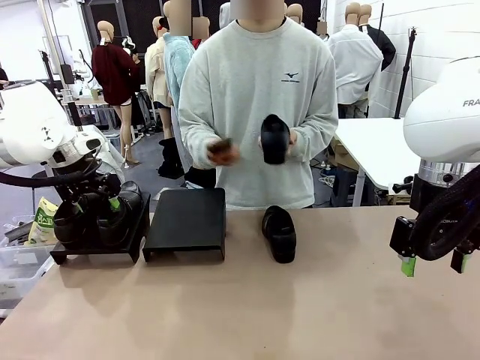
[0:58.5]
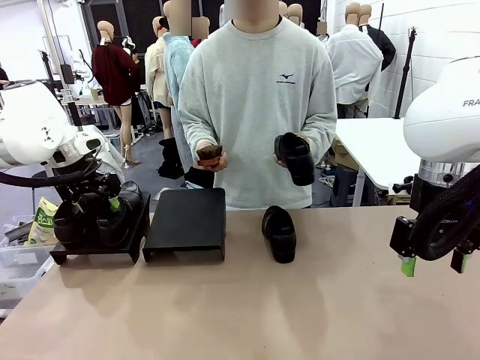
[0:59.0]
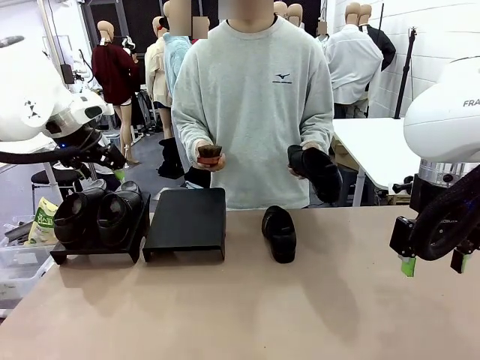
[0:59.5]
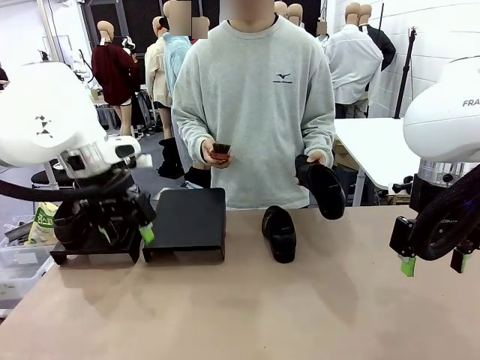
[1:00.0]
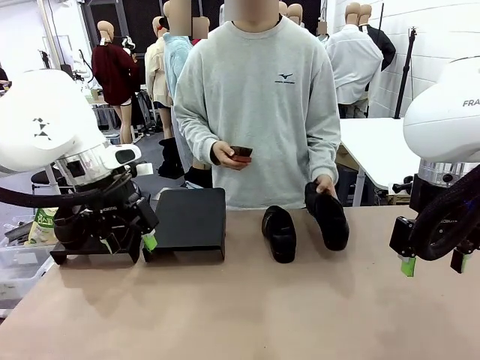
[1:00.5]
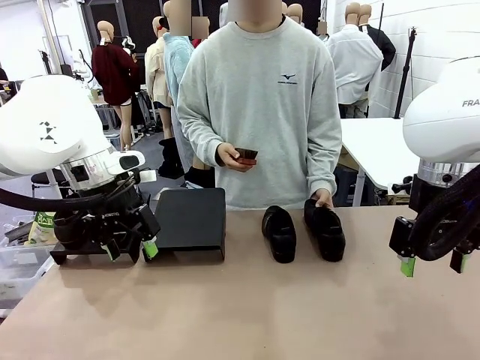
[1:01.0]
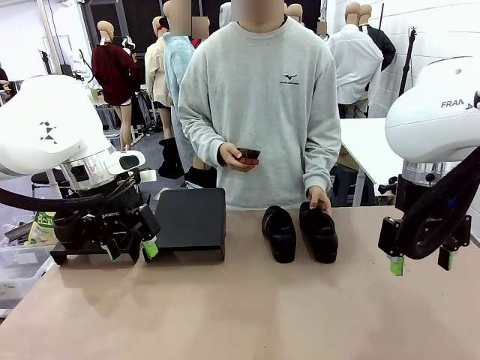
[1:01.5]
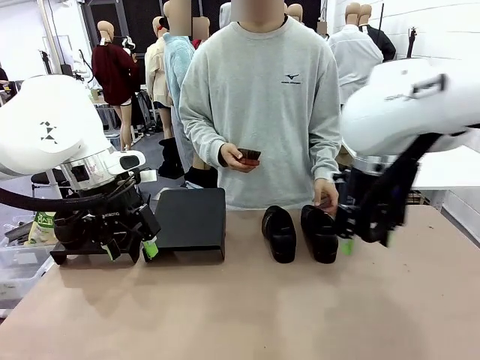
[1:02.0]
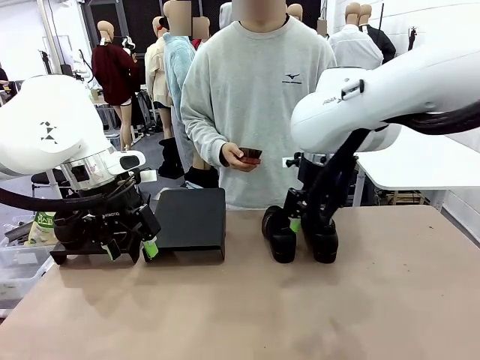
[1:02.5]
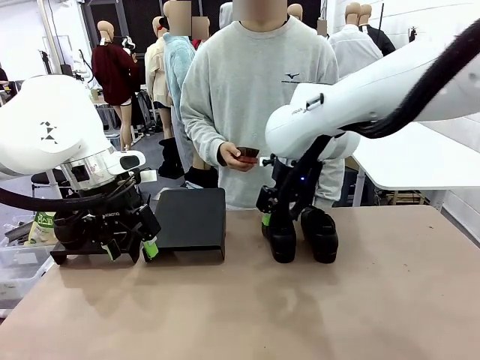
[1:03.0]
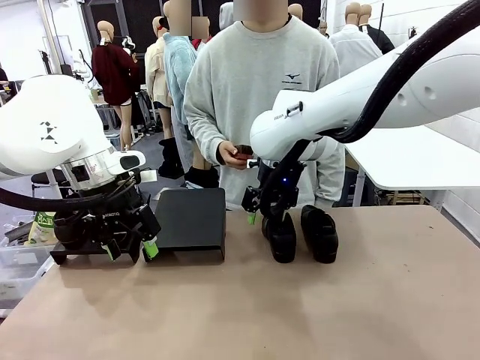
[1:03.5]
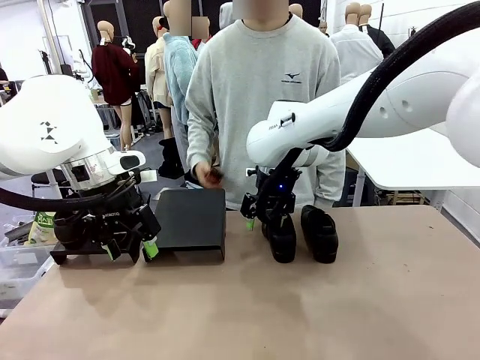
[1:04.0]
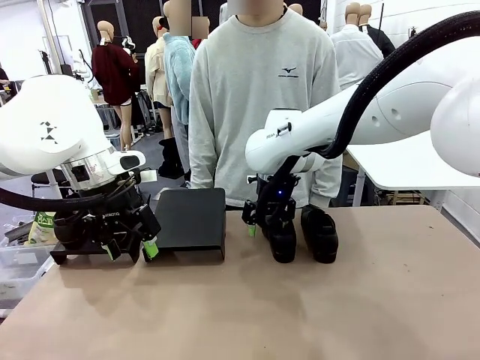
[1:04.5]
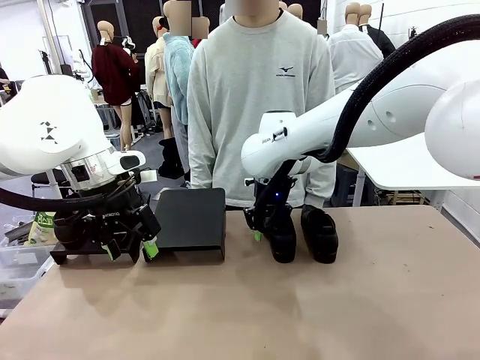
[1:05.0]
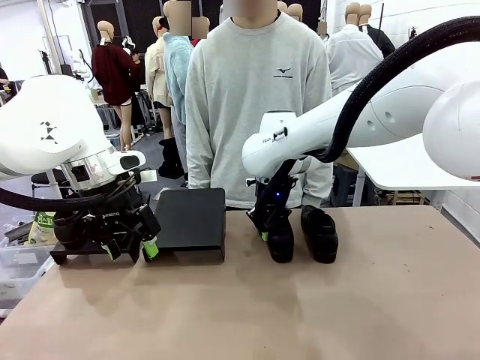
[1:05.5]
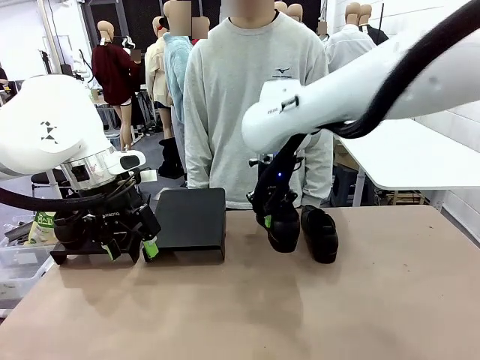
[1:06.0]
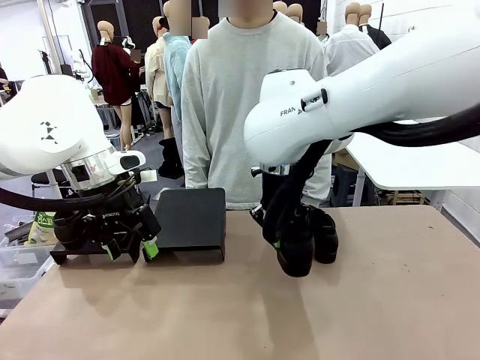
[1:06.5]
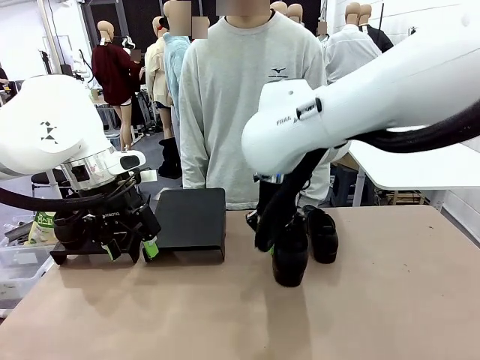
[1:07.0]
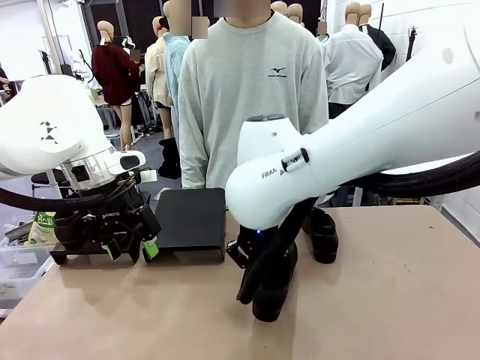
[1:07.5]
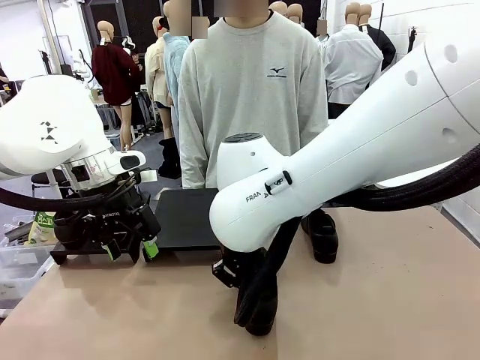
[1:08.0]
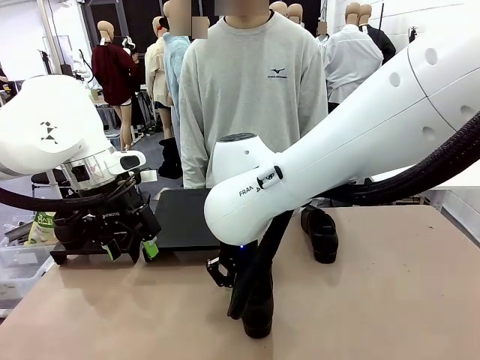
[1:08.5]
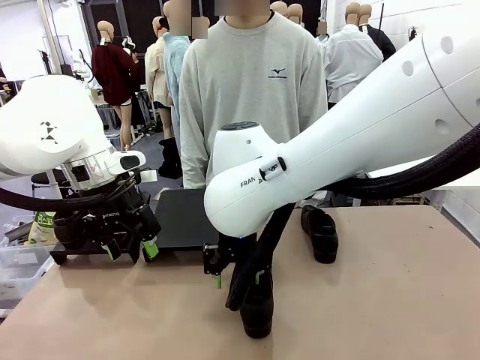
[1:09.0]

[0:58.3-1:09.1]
Task: Organize the shoes by placing them on the stand.
Robot: Pick up one Shoe and place it in the middle of the table.

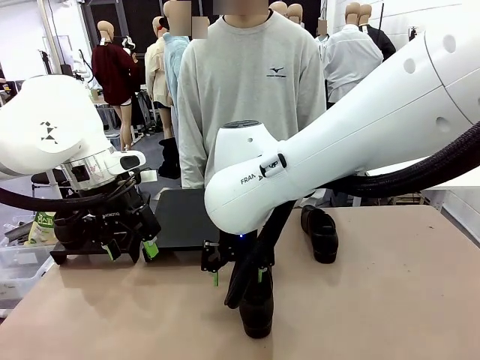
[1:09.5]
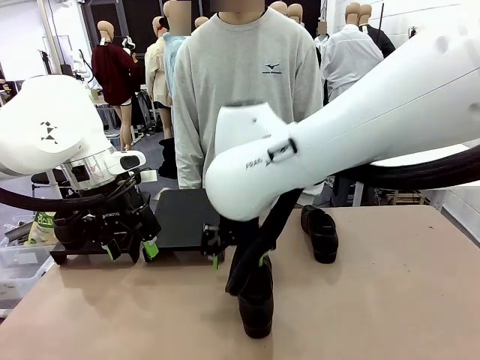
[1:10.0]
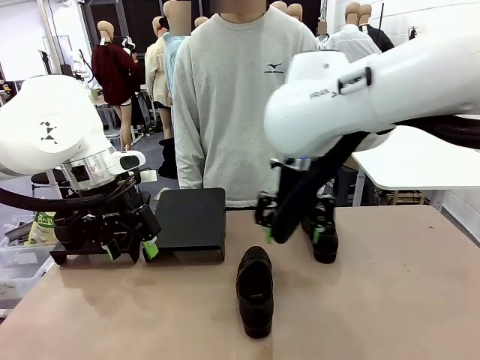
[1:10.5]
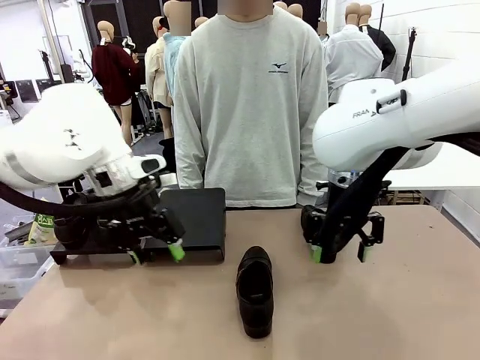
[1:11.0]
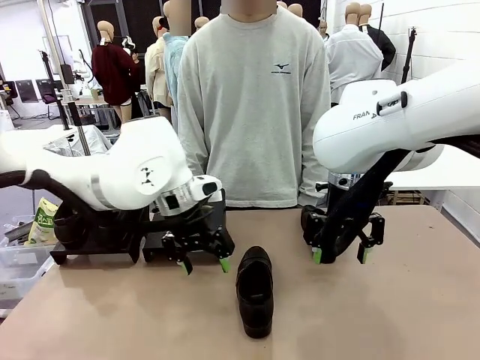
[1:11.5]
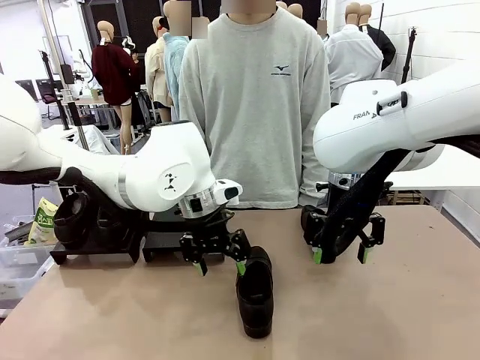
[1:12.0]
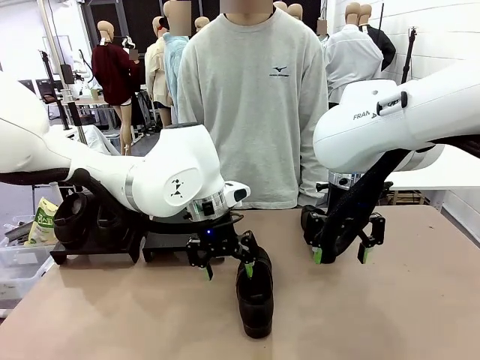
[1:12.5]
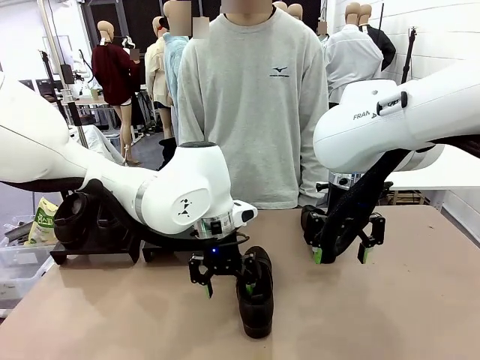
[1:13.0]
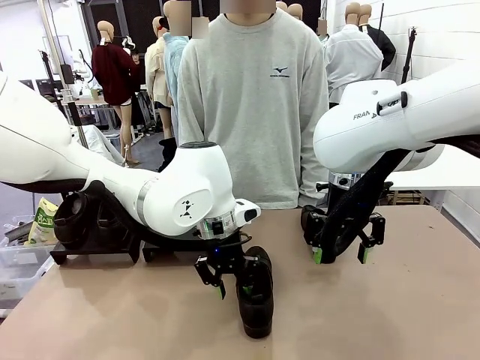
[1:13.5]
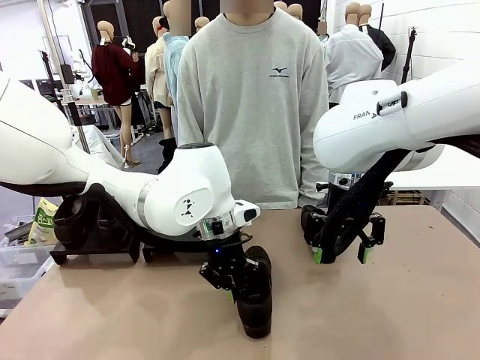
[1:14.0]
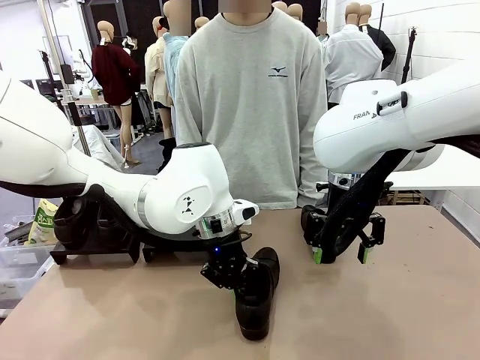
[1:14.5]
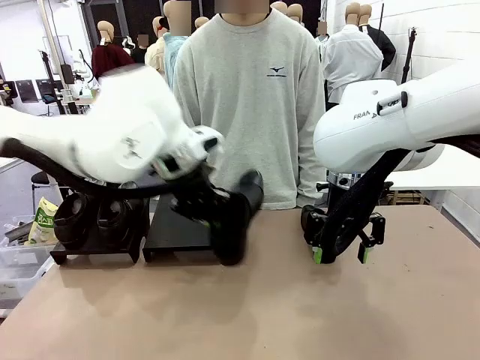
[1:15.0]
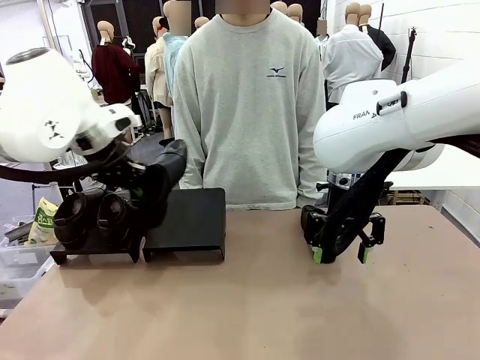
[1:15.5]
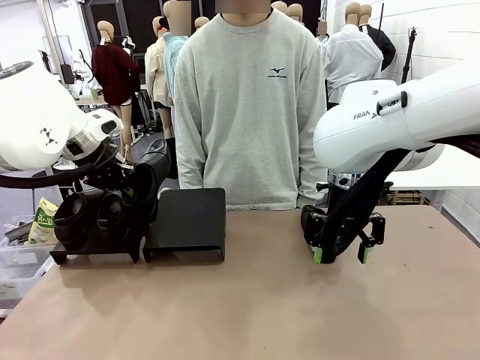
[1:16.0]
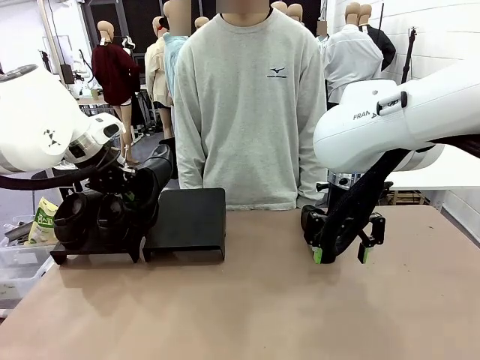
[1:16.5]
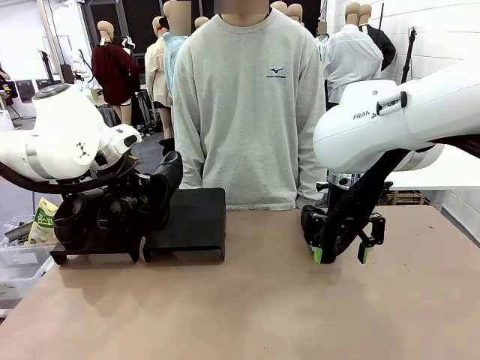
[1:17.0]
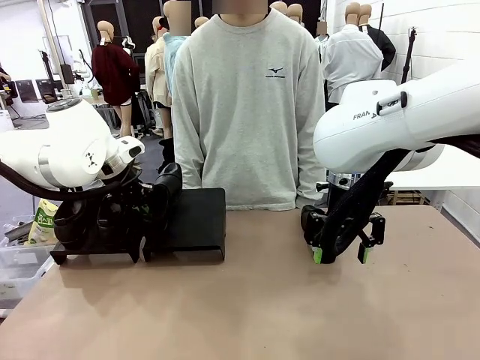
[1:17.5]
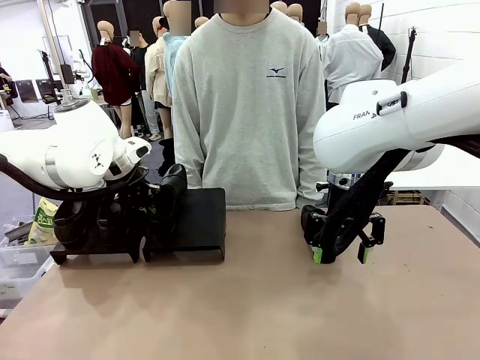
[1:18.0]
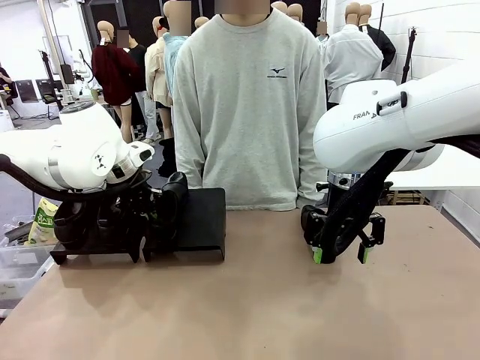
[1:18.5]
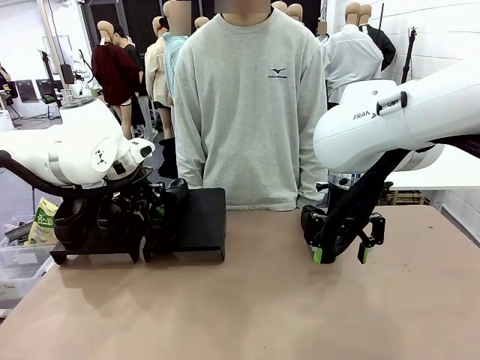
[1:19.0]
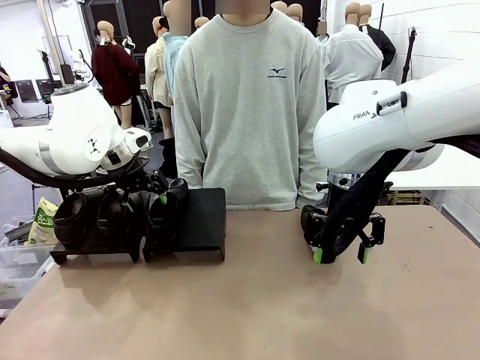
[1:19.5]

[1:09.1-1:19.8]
Robot: Place the Shoe from the middle of the table onto the Shoes Stand.

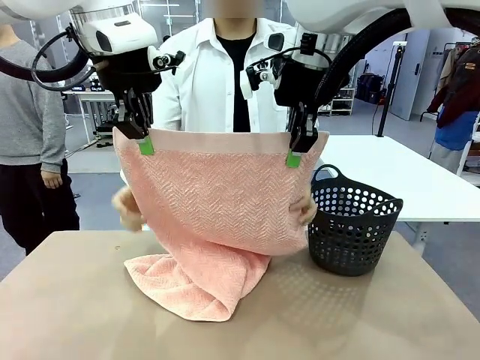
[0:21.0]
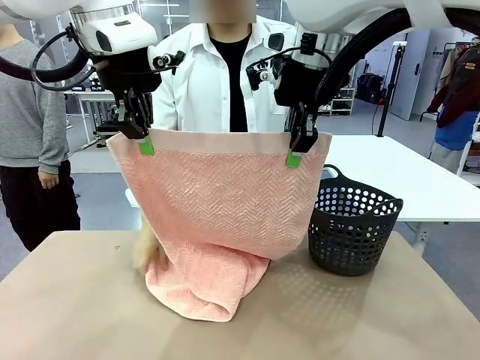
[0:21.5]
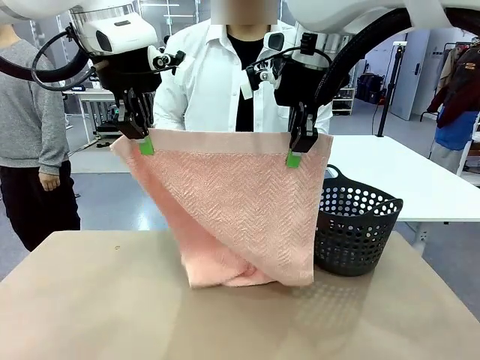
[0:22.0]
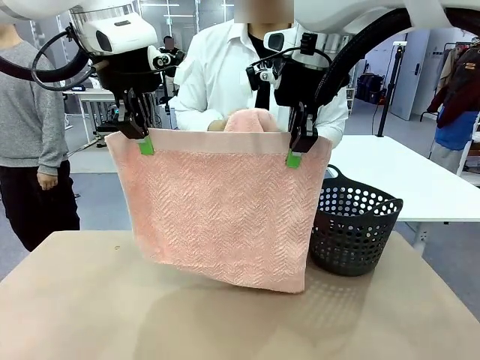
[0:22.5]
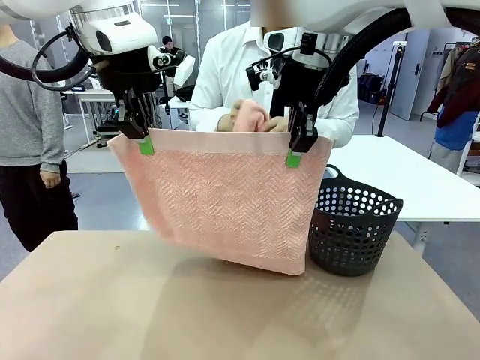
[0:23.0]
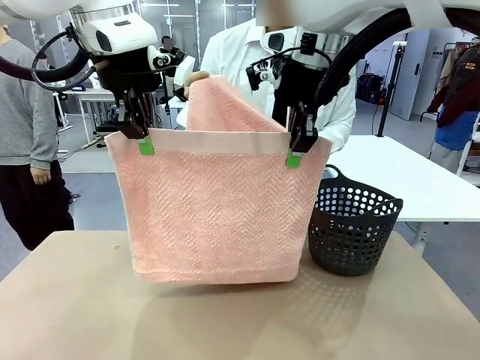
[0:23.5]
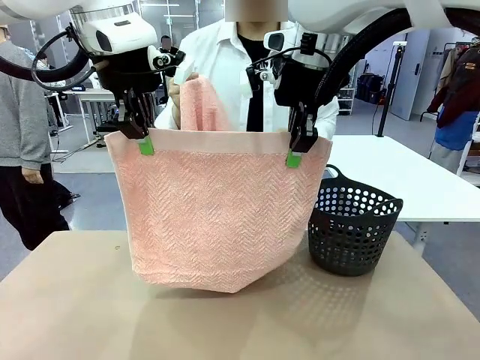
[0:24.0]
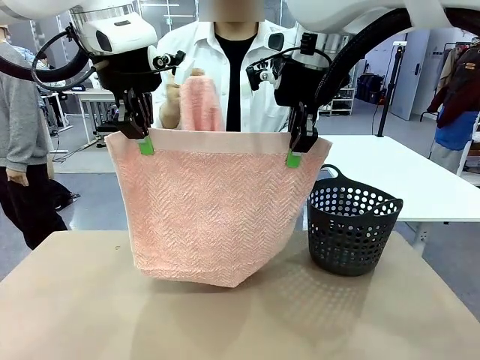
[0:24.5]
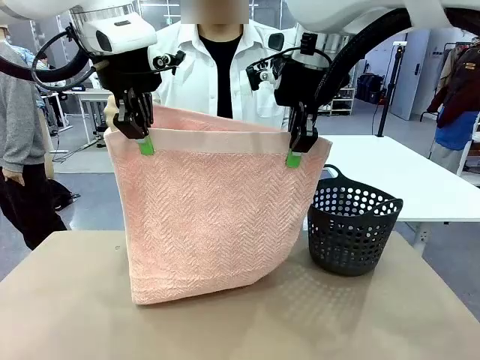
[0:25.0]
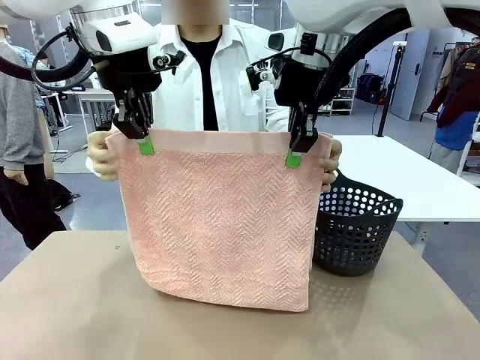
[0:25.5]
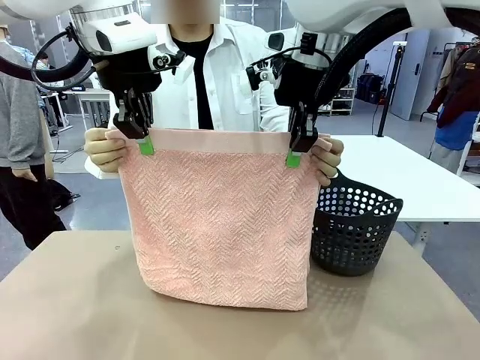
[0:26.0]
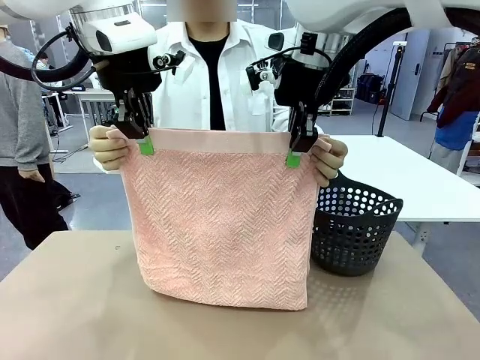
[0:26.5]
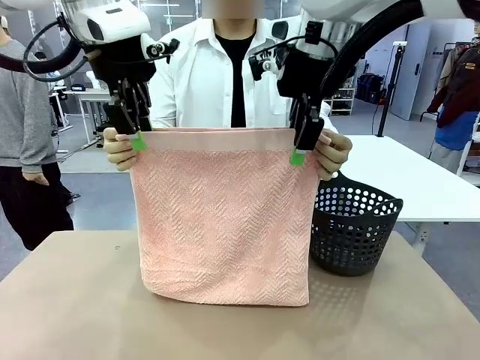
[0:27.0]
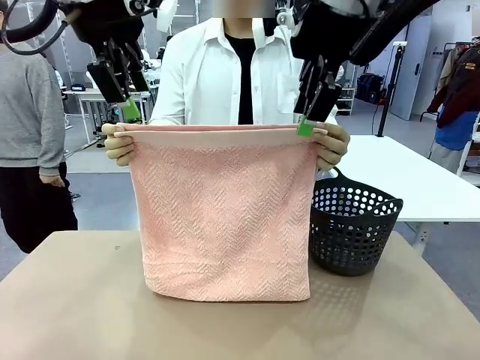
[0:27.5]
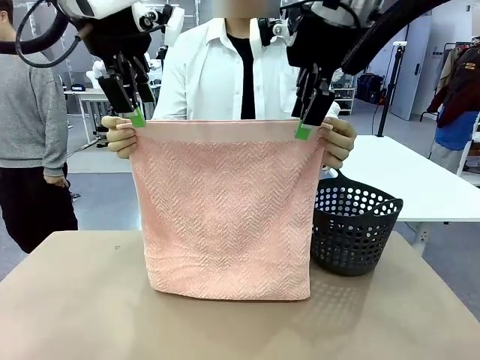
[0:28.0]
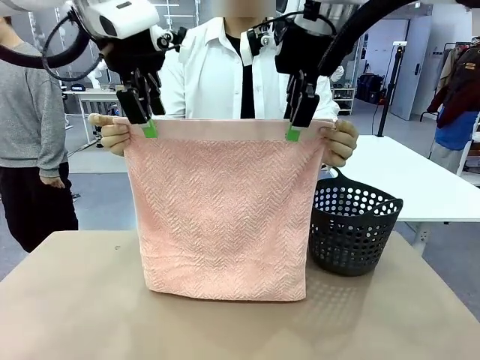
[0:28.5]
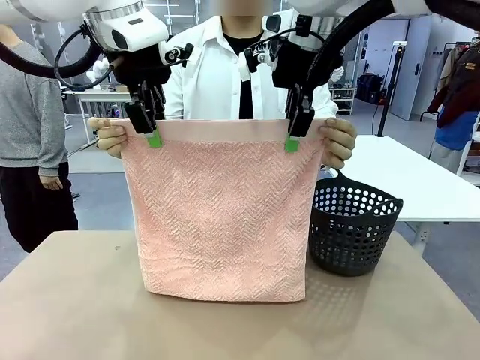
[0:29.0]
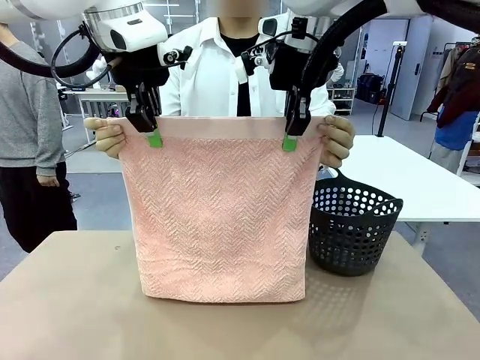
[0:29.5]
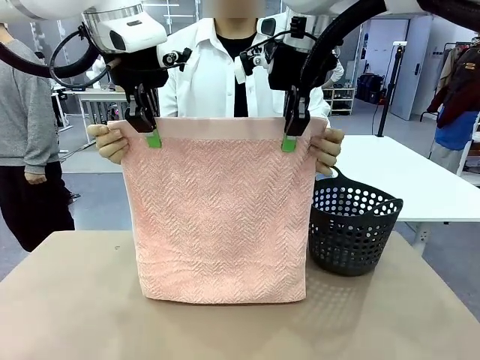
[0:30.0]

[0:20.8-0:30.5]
Task: Fold the towel.
Robot: Release the end of the 100 cm Hotel Towel you were holding and grab the top end of the folded side.
